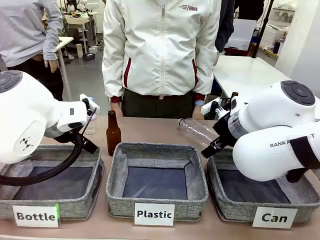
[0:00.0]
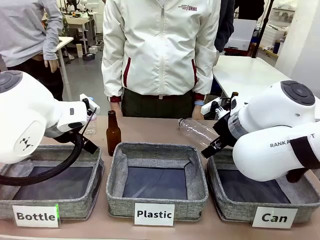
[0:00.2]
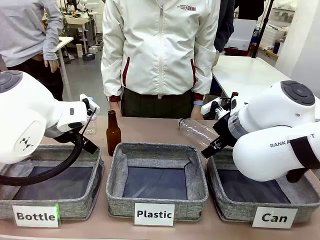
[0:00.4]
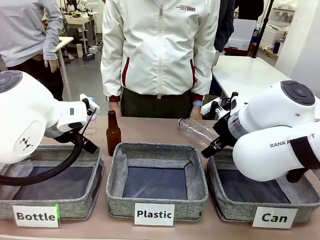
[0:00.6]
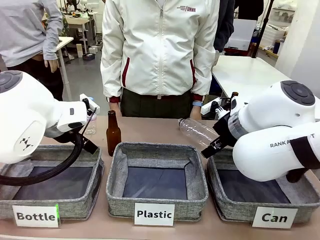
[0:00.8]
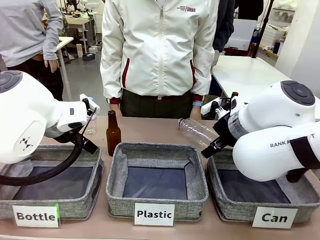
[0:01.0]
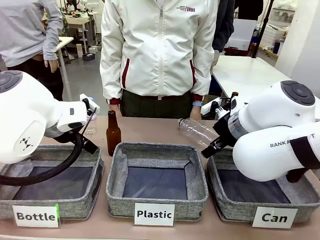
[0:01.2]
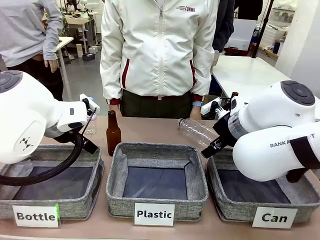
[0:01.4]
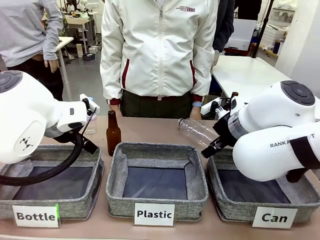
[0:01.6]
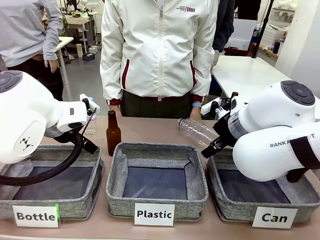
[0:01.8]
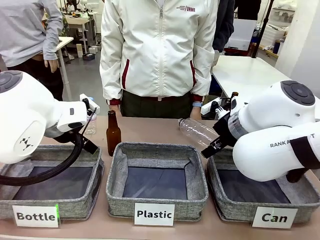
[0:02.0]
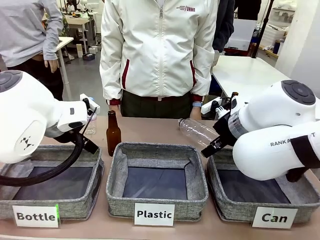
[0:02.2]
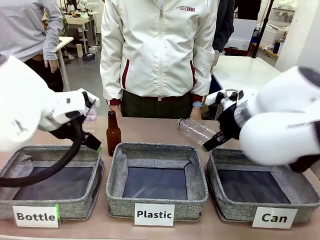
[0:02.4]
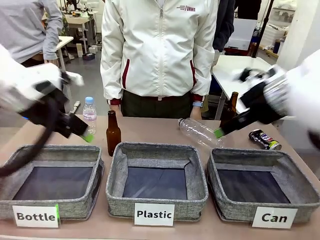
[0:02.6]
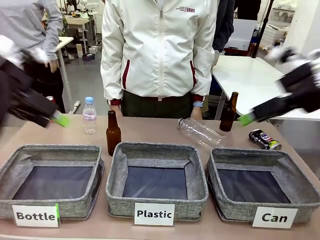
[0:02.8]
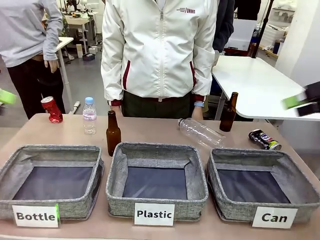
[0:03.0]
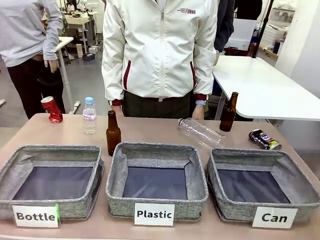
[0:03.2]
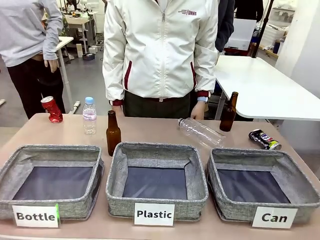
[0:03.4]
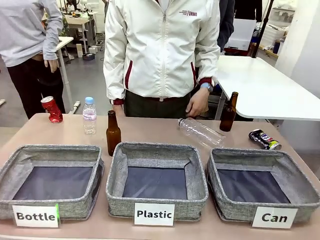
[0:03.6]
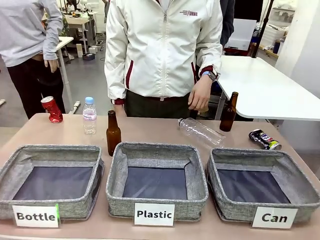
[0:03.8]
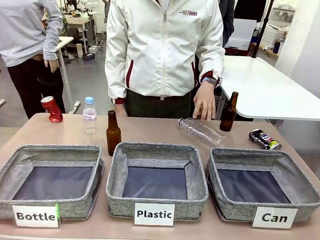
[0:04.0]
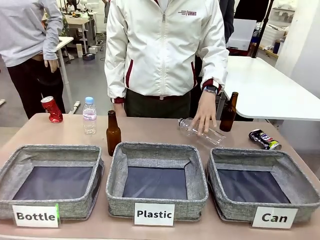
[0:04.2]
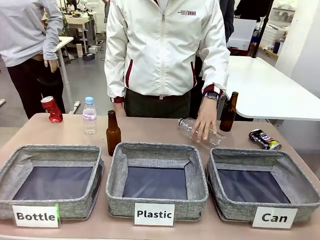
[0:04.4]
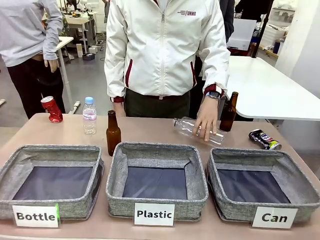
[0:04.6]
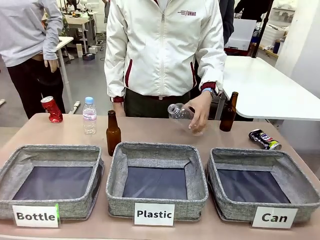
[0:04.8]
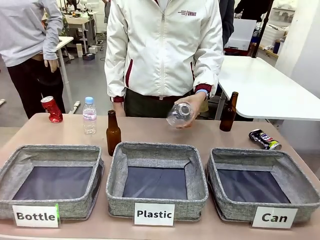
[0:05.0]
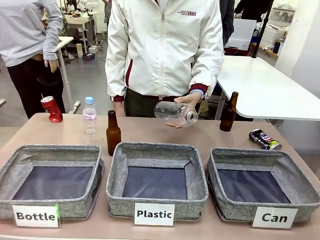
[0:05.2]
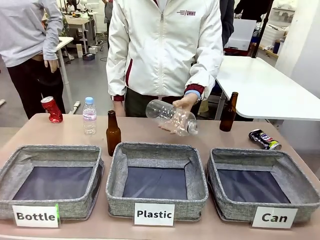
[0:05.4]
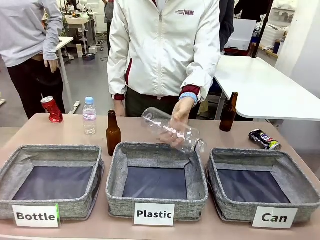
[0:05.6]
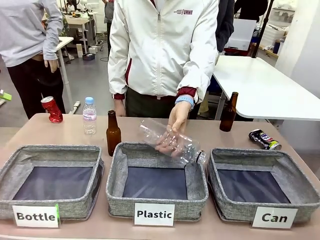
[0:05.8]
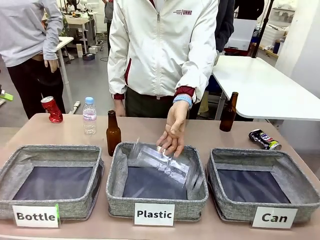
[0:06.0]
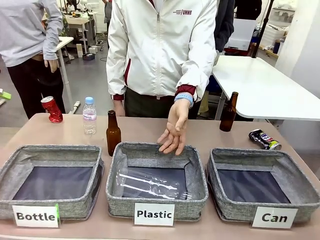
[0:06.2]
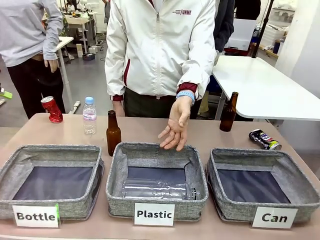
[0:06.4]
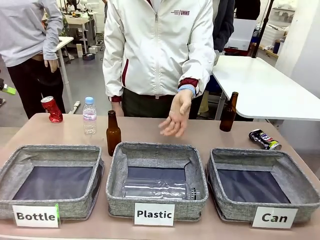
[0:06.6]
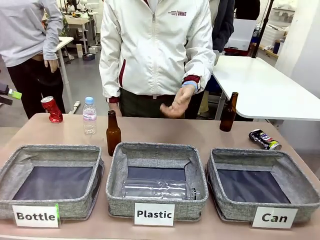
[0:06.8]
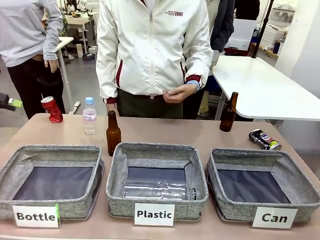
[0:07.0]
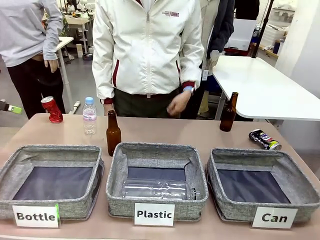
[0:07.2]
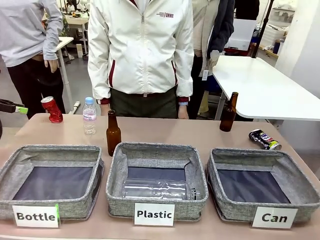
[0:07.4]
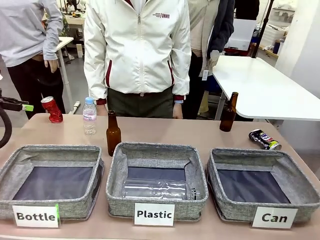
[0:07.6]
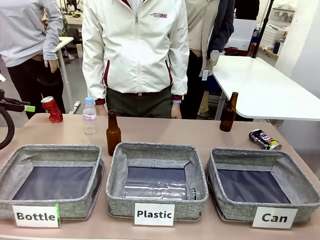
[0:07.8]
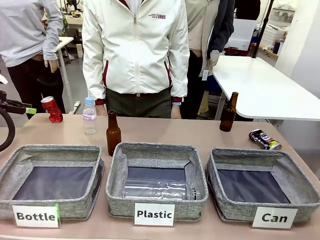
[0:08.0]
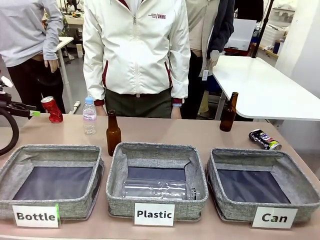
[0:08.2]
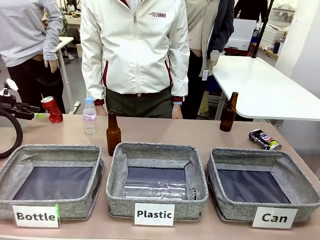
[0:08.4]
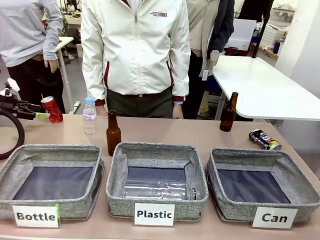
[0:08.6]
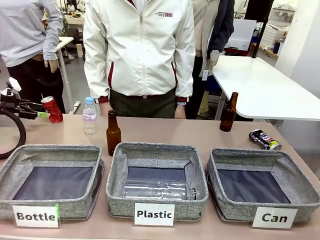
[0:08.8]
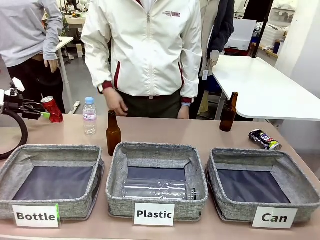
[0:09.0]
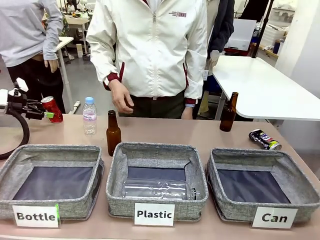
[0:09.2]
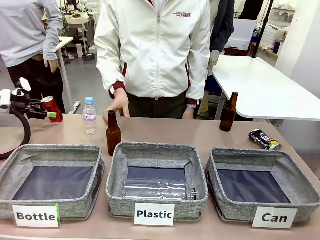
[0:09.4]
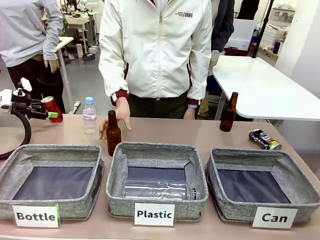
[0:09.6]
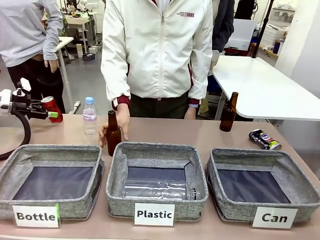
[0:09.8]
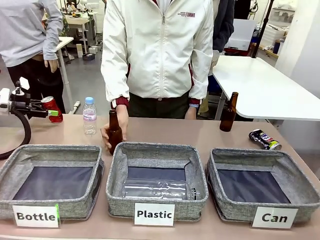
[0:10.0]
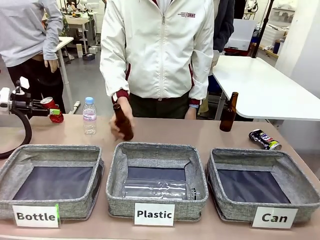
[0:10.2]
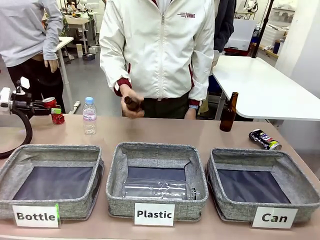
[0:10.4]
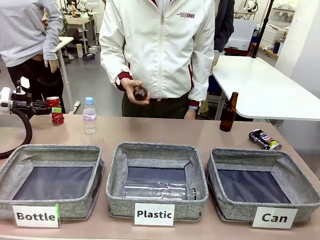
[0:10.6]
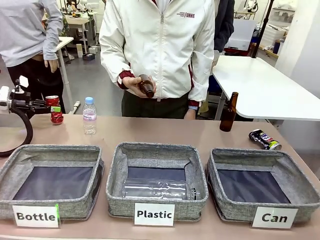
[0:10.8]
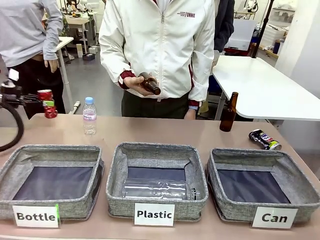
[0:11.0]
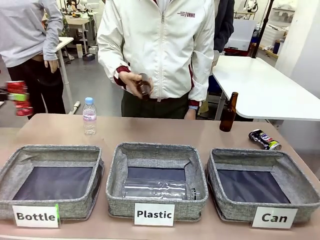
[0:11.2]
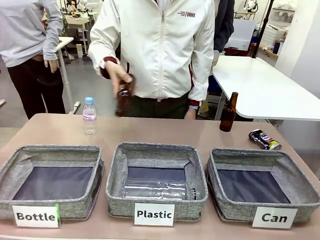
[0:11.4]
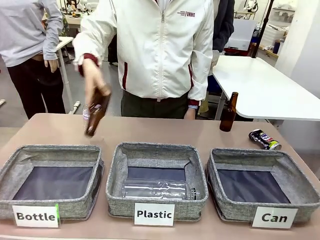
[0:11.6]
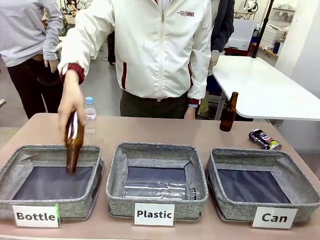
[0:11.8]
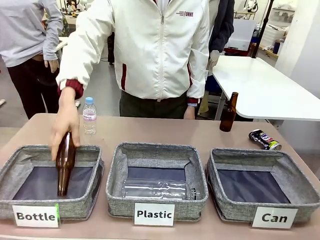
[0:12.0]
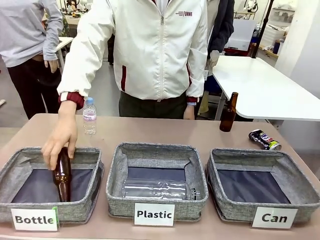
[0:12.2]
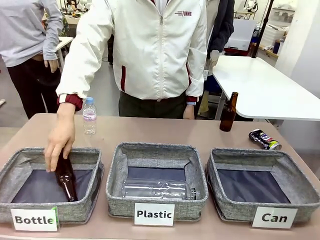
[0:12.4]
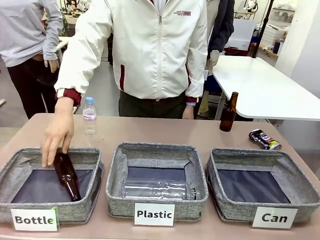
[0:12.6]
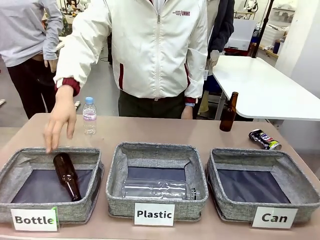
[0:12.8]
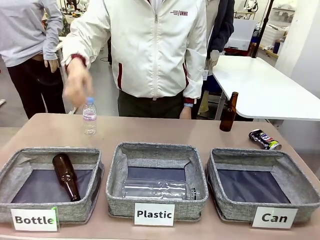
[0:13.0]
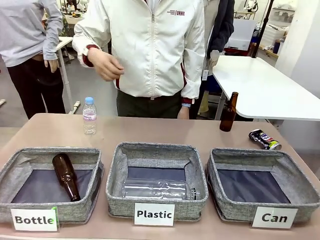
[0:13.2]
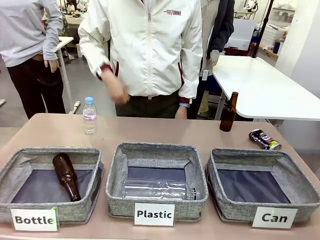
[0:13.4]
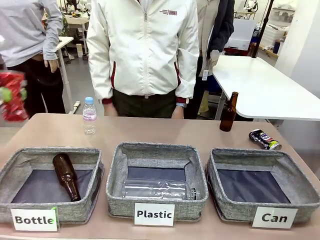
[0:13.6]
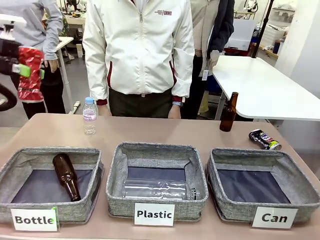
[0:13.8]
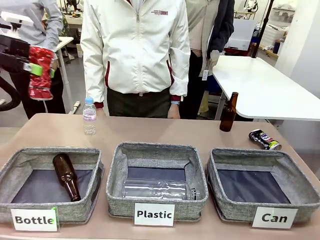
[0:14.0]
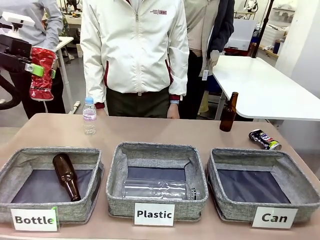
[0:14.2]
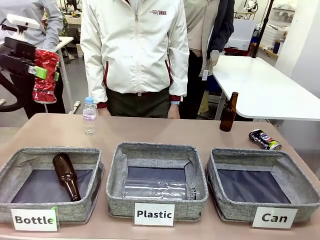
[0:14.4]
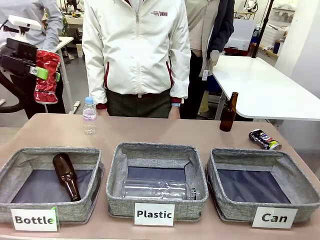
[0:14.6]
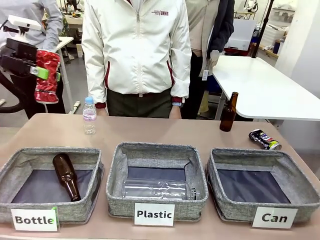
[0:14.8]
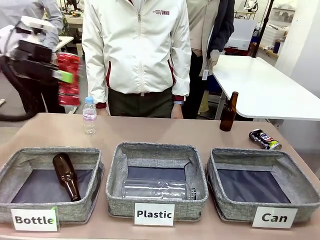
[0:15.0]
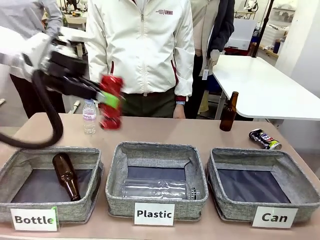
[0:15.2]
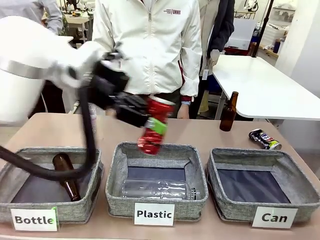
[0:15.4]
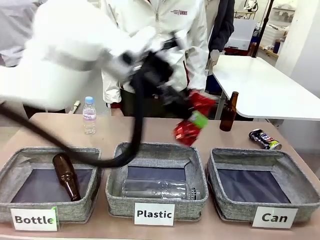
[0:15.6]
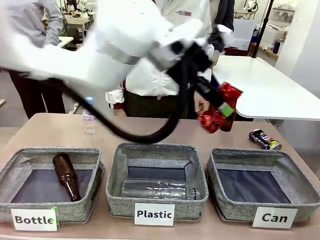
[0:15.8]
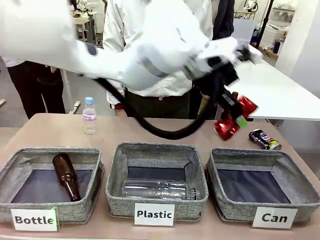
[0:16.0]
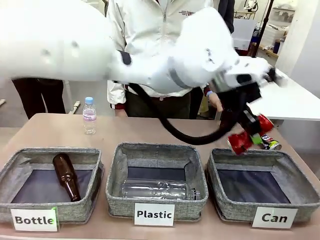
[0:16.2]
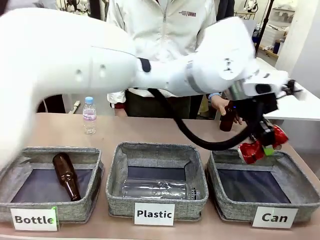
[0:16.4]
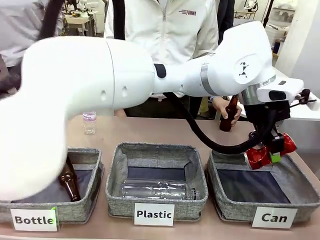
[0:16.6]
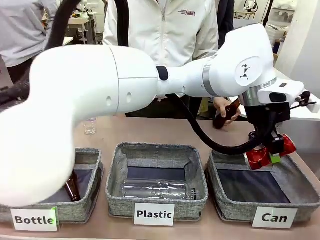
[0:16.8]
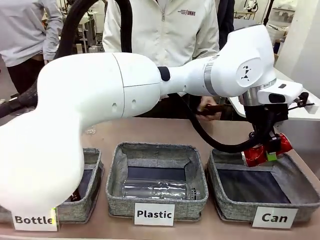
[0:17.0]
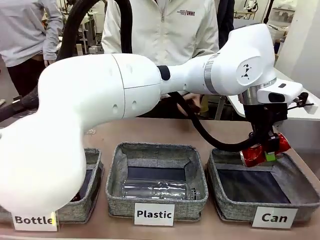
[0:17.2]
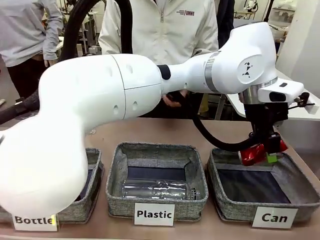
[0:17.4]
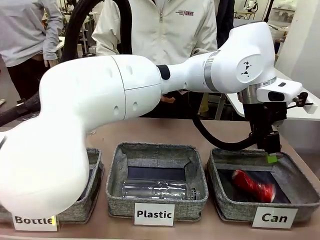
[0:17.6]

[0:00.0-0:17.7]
Task: Sort the can waste into the basket.
Robot: Pick up the can waste from the table and place it in the right Fabric basket.
